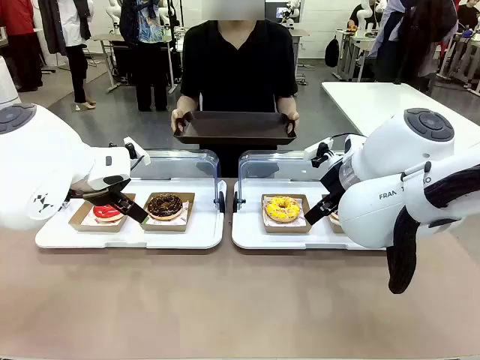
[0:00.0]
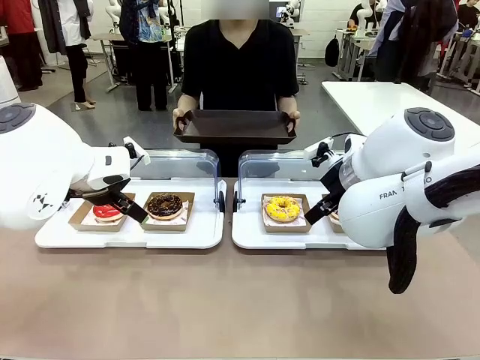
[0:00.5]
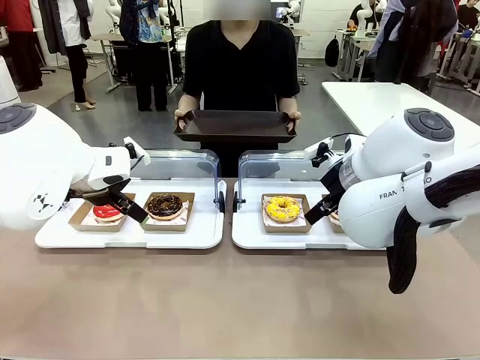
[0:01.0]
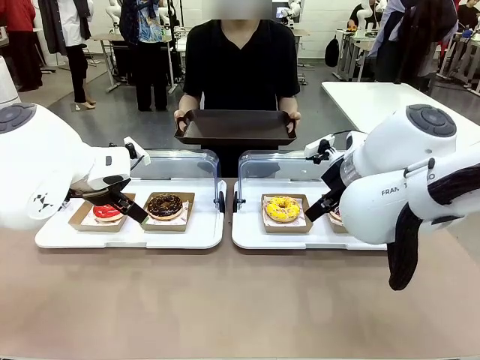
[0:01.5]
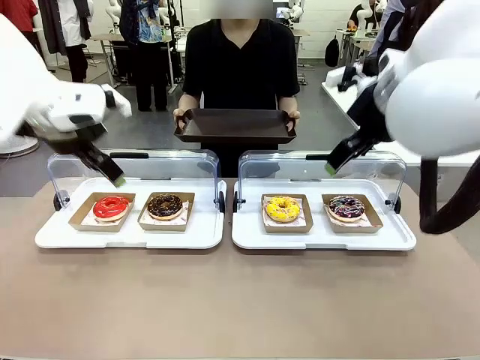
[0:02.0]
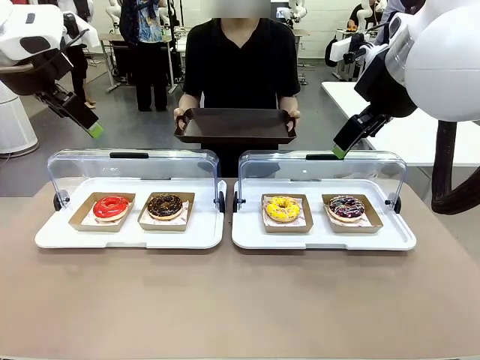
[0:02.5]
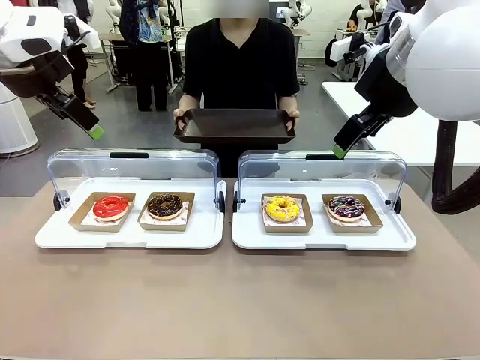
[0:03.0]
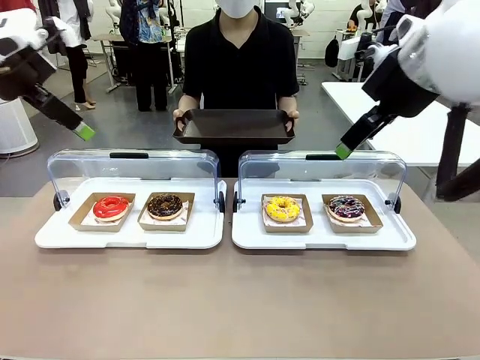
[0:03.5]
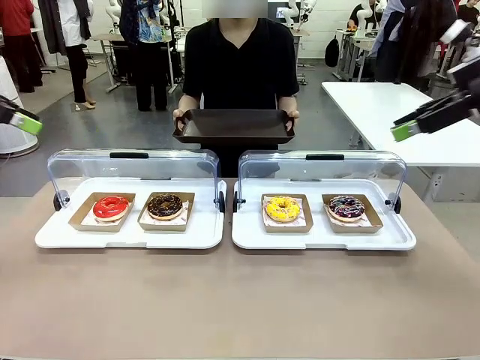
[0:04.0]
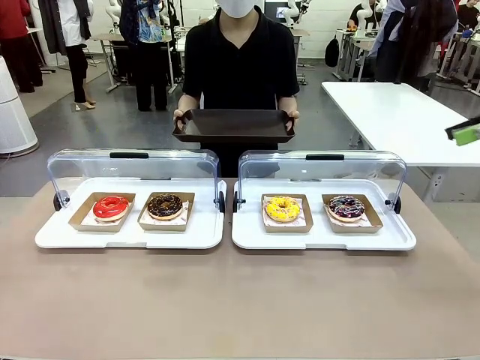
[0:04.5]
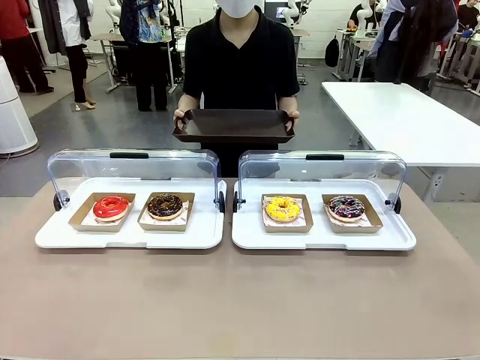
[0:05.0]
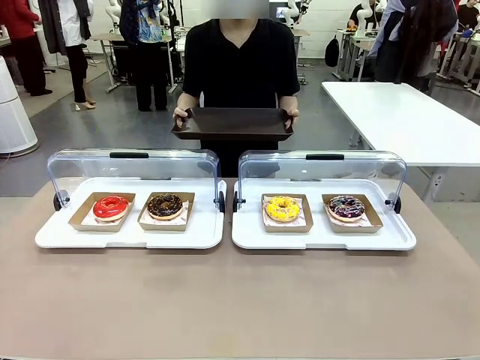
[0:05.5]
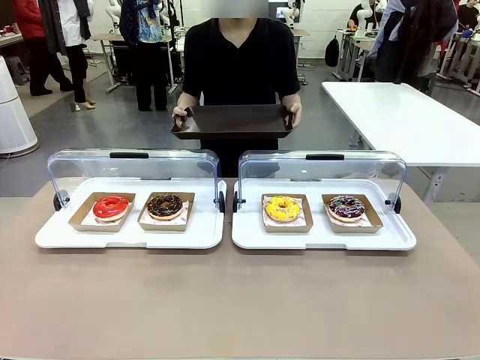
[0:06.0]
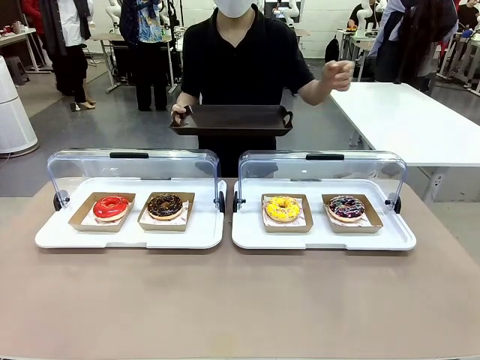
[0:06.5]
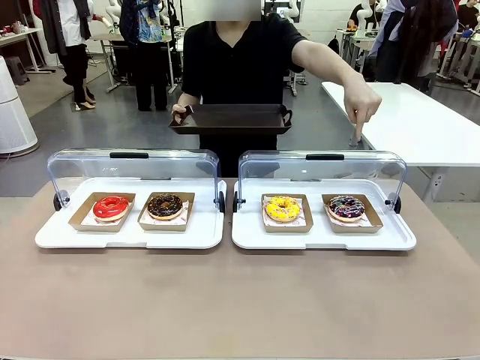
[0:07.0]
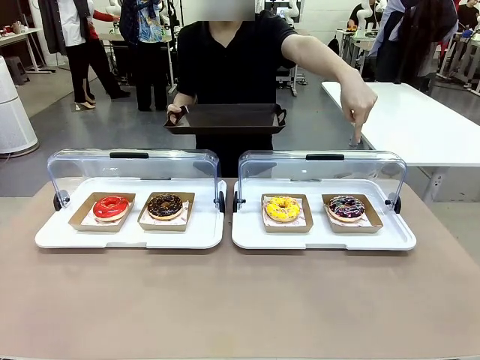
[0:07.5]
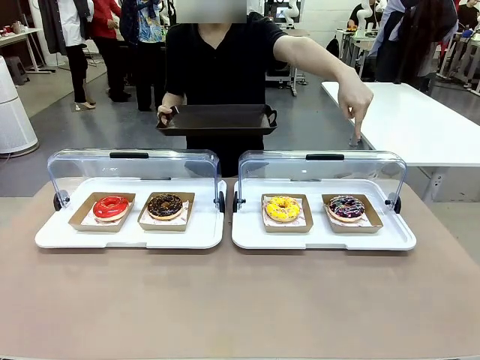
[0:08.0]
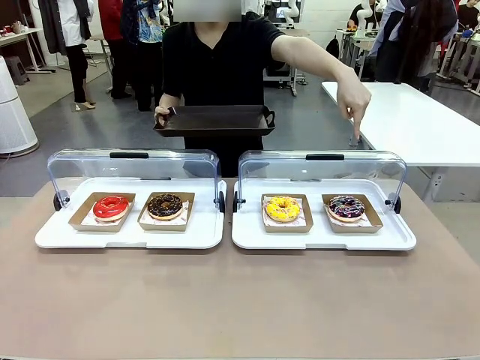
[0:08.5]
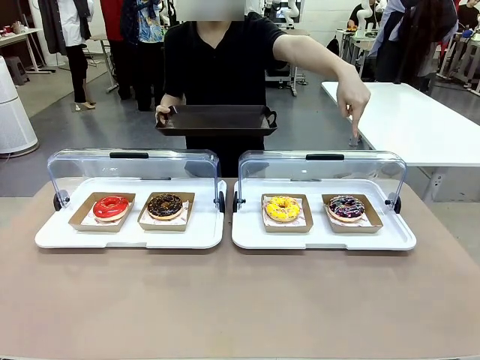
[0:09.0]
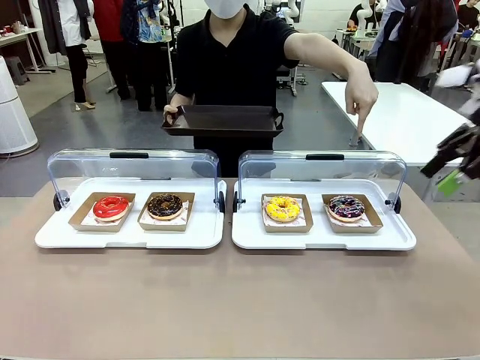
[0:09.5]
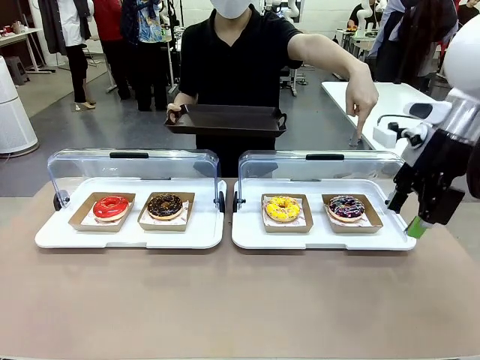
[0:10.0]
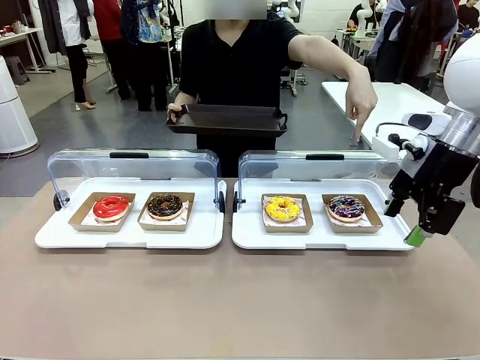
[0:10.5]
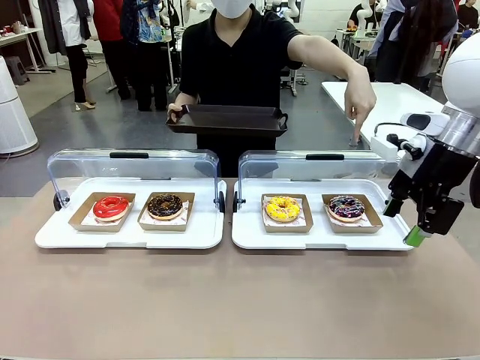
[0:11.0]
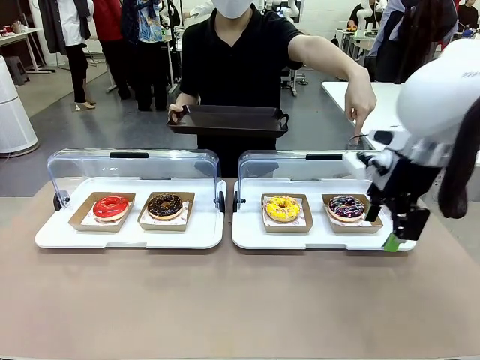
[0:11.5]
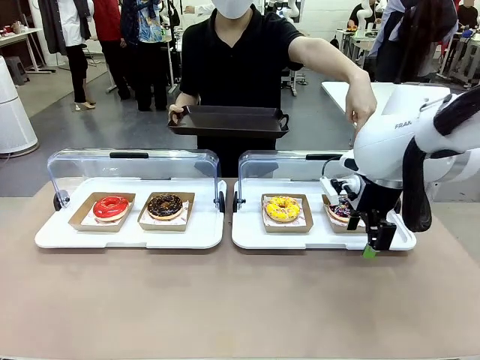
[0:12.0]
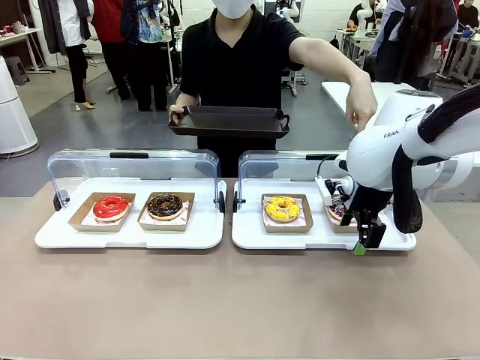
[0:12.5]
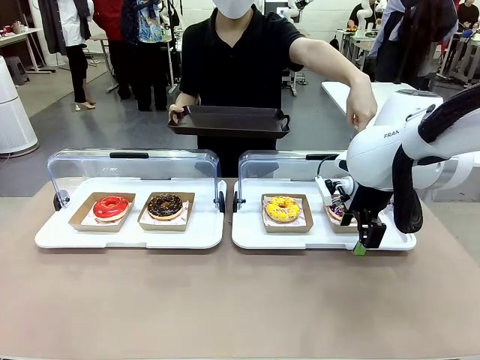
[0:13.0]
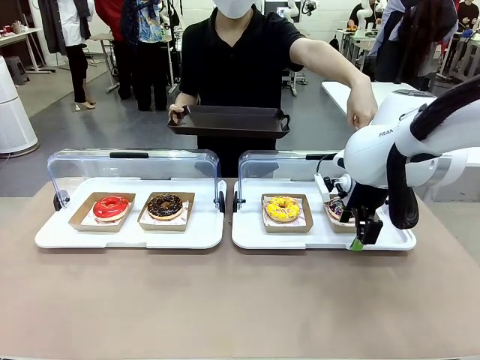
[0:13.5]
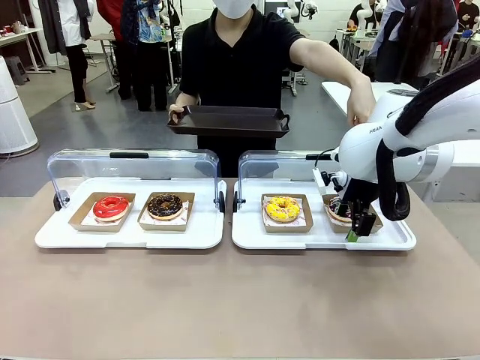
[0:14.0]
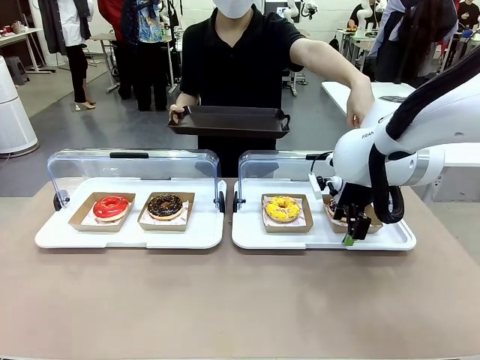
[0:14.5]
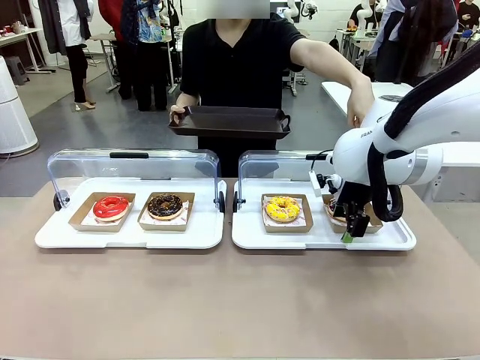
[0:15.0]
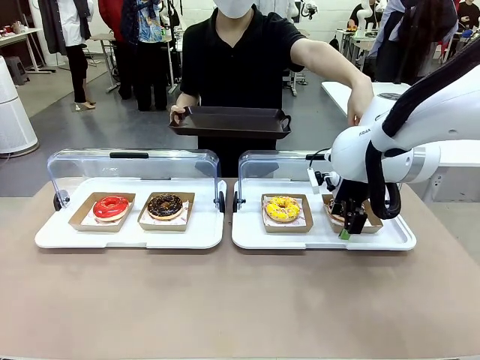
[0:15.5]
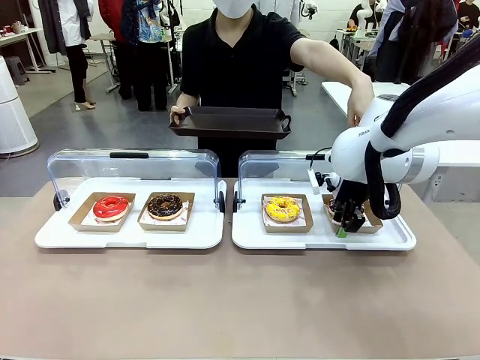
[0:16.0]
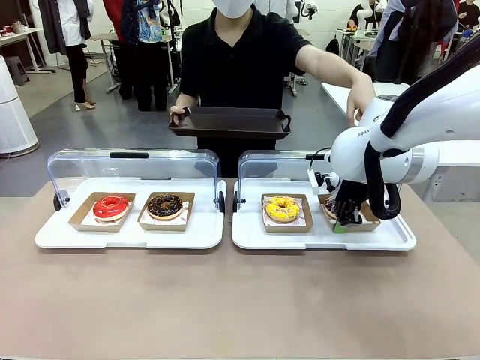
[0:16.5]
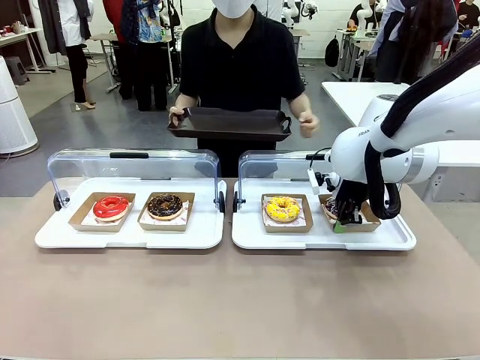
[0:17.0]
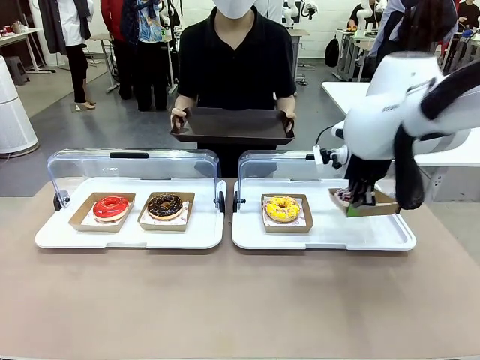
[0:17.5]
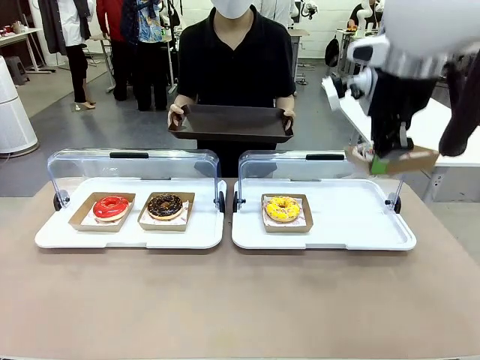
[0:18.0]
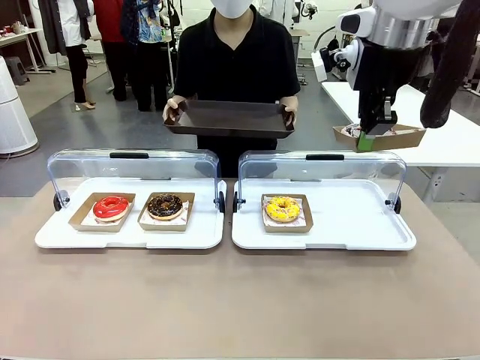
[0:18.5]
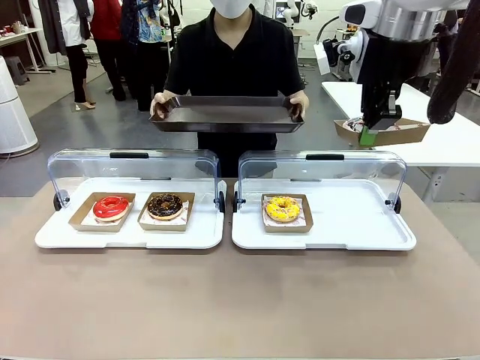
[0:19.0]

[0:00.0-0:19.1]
Task: Provide the desired donut to the person.
Robot: Pick up and lift the Paper togo box containing the Donut pointed at by the person.
Person: Point to one donut. Lift the tray onto the Roll-Top Bakery Case.

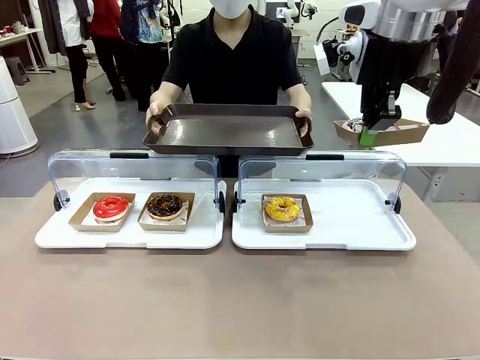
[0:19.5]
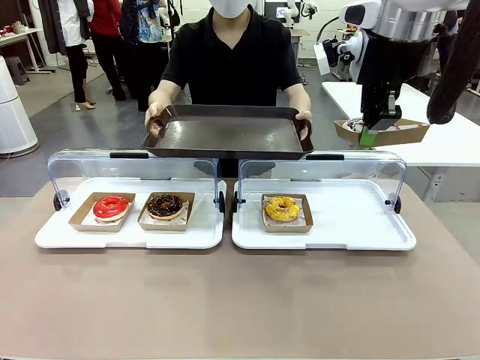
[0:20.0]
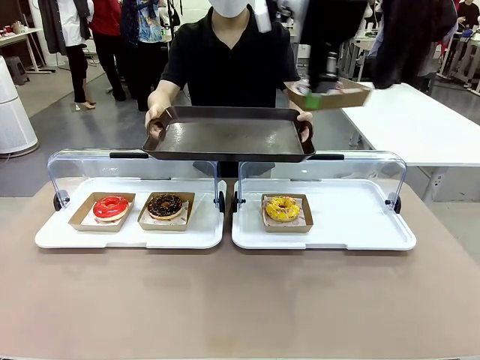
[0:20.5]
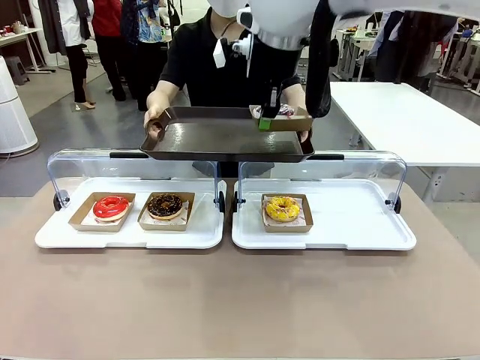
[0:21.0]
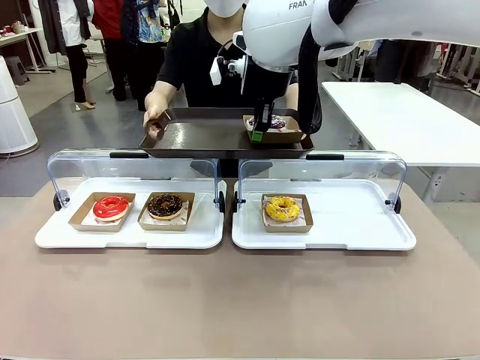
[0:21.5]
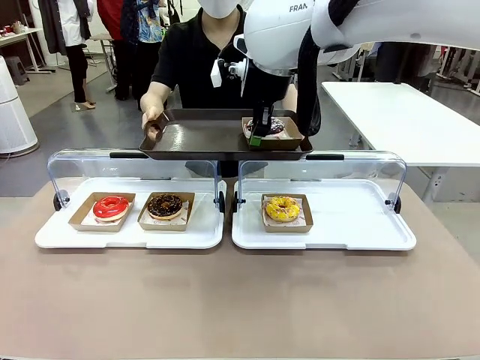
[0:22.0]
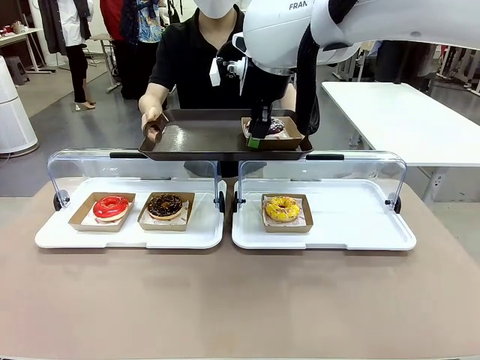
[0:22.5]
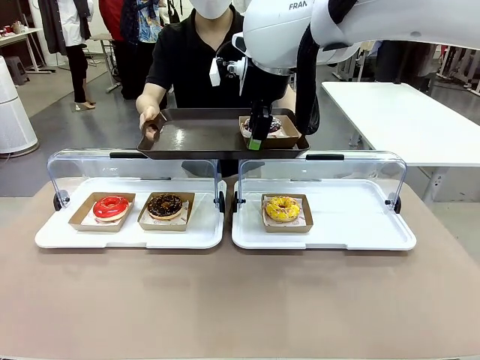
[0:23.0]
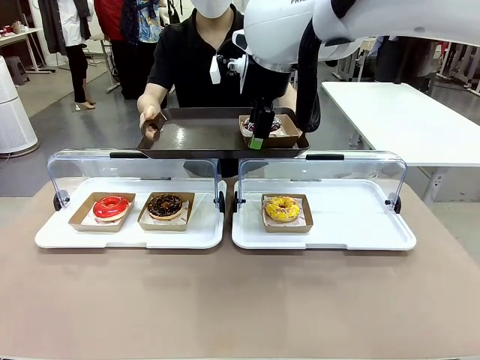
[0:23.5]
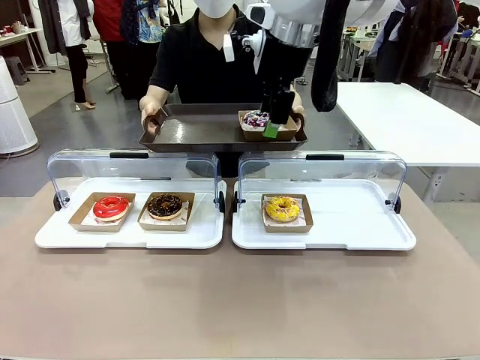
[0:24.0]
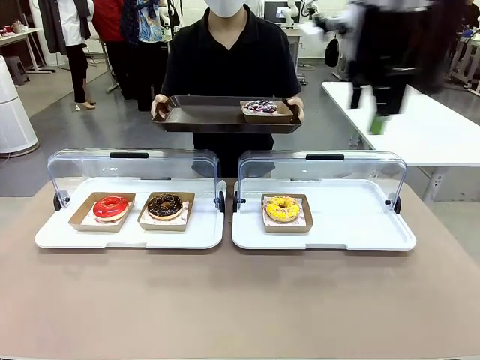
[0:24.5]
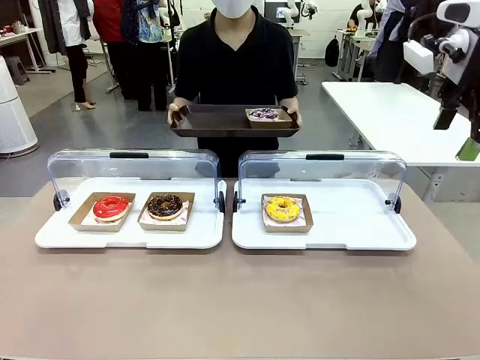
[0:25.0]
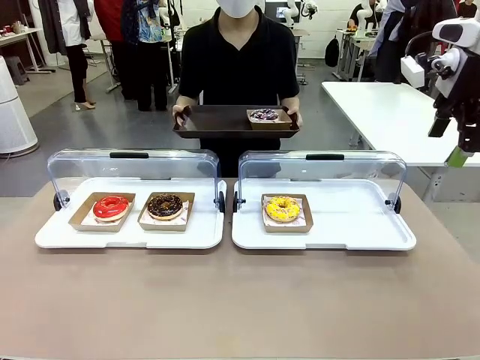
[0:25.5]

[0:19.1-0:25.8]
Robot: Place the picked Paper togo box onto the Handle tray extended by the person.
